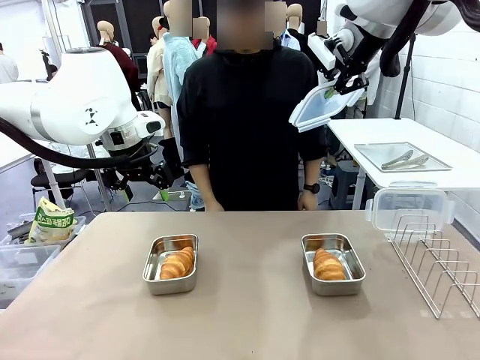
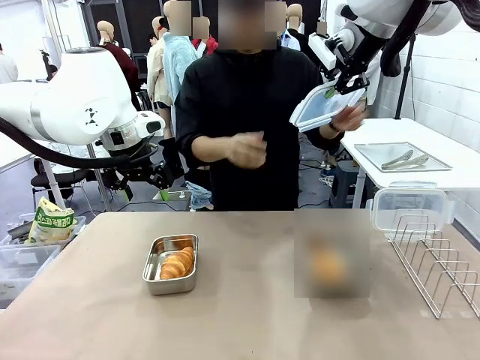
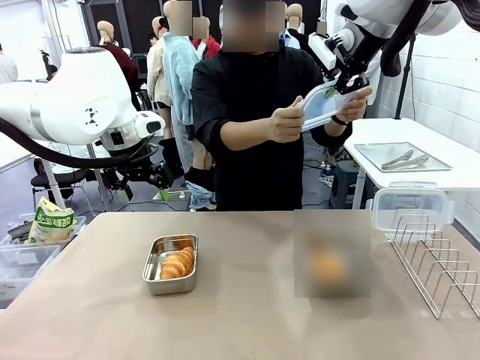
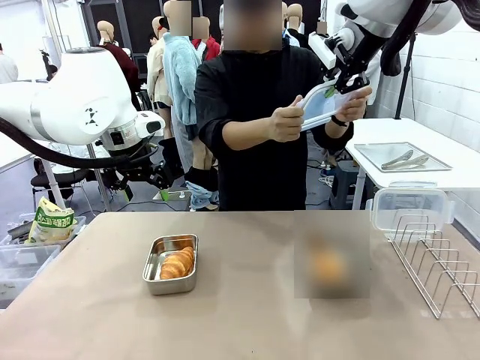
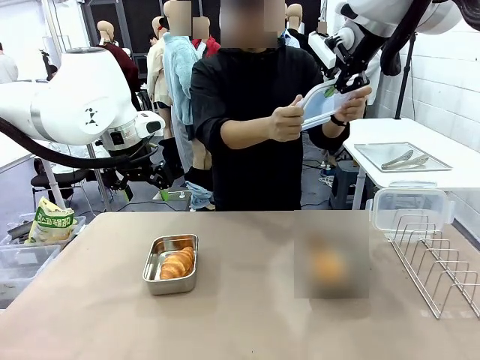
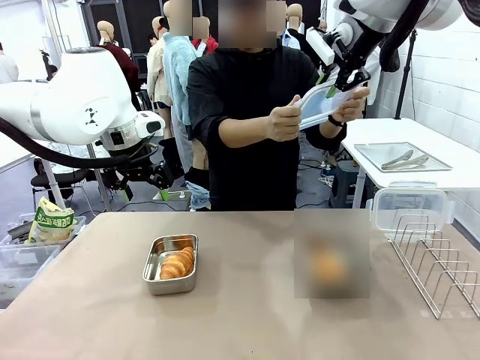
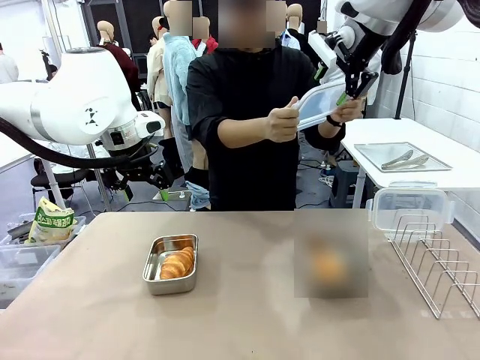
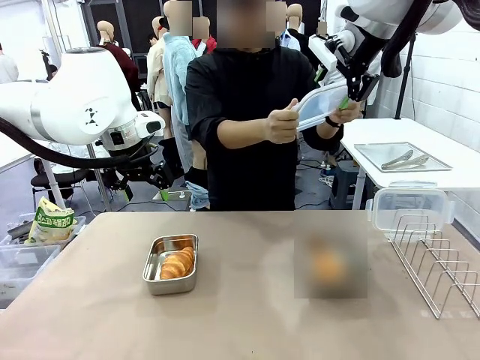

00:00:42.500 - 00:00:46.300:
Task: Place the bread in airtight containers.
Robot: Release when the human grabs the Airtight Container lid.

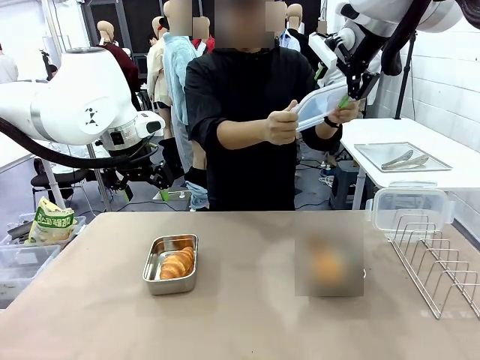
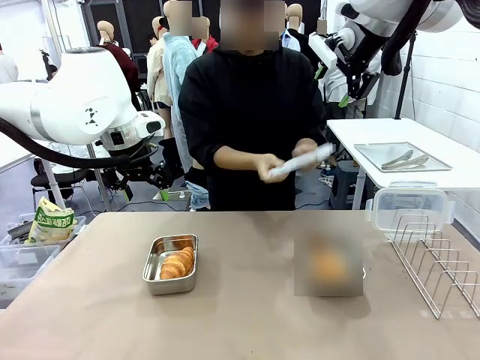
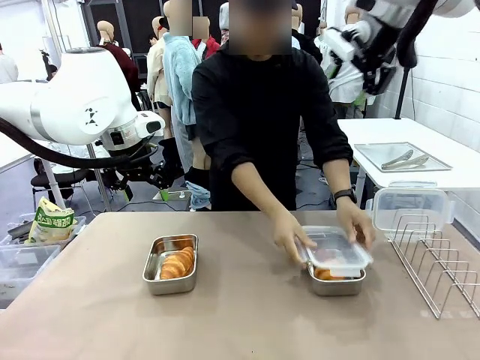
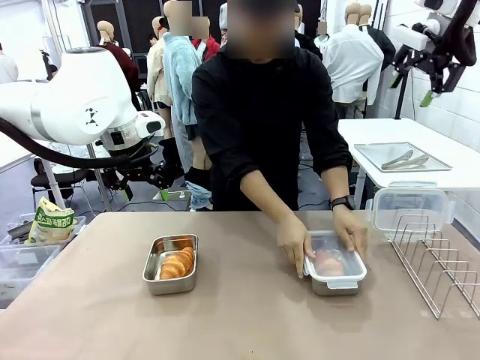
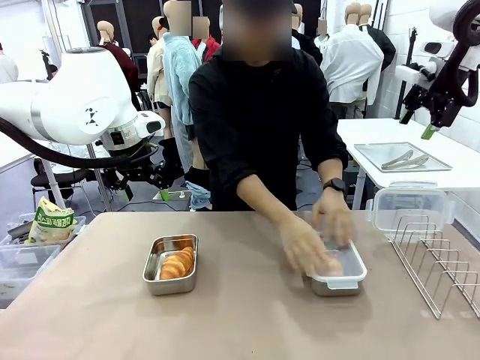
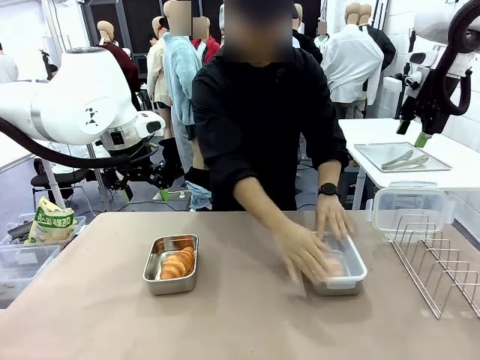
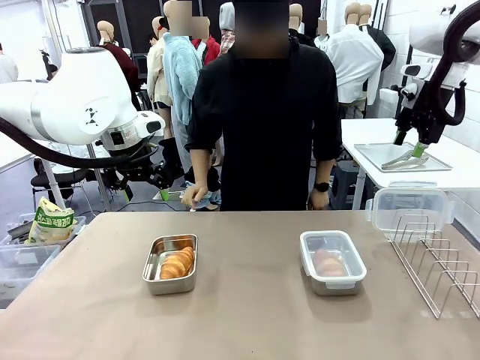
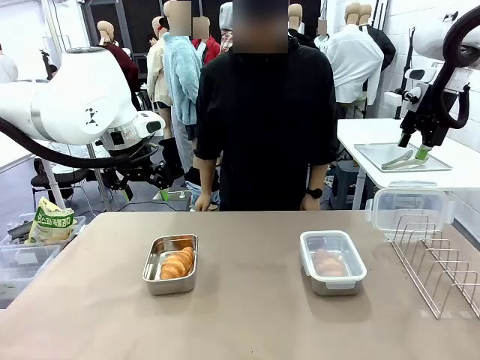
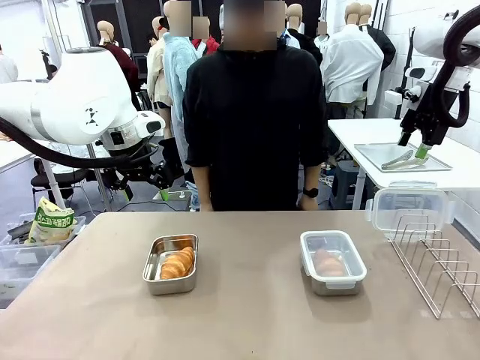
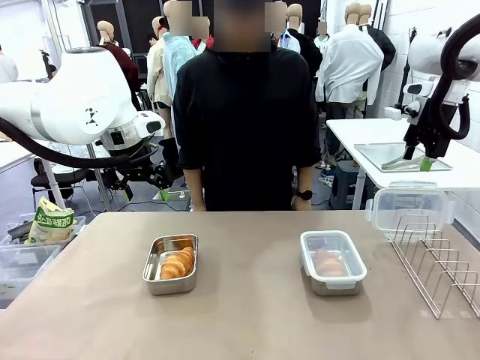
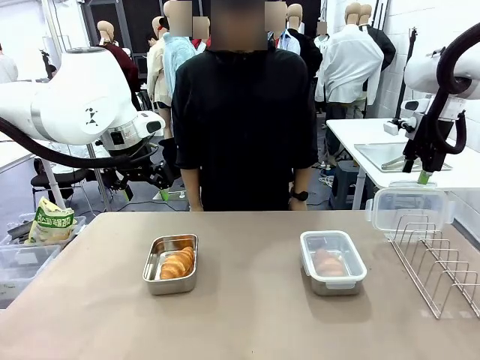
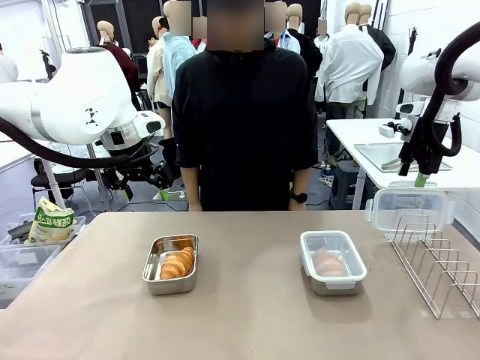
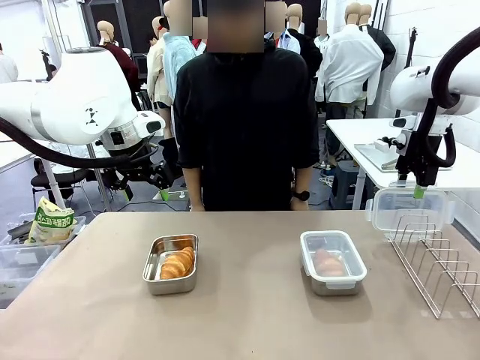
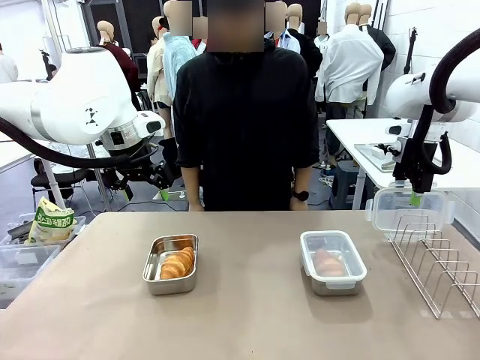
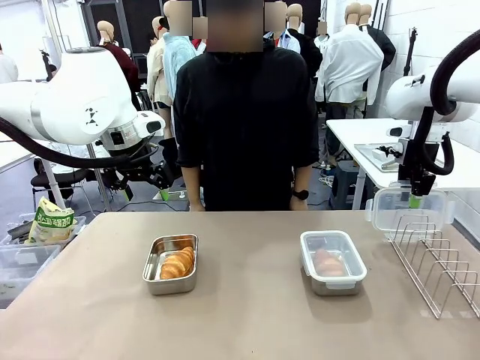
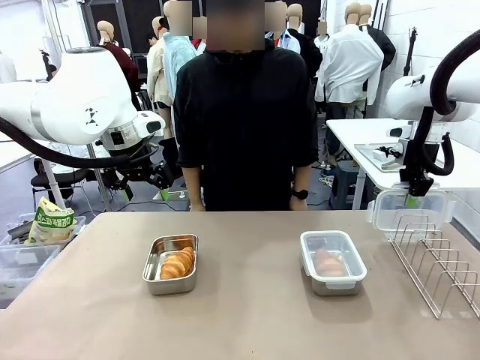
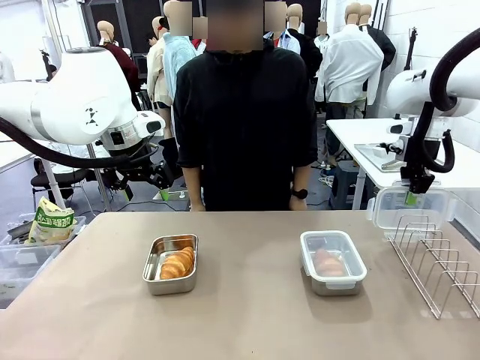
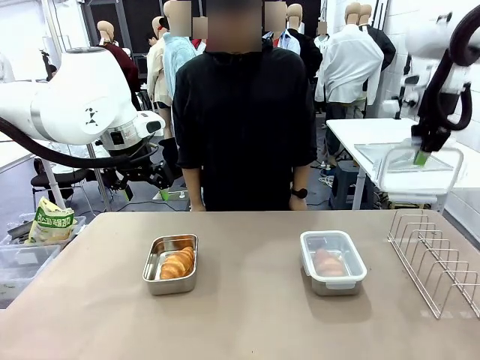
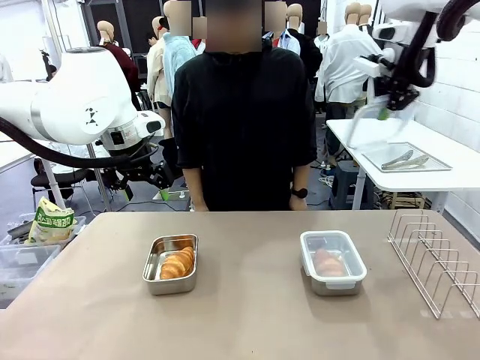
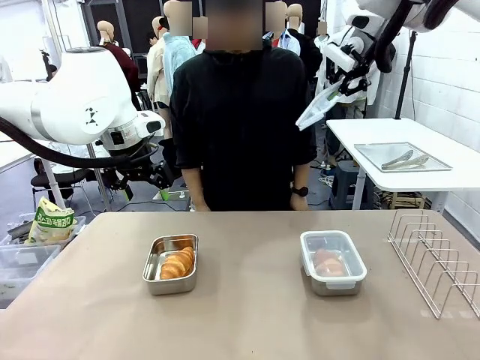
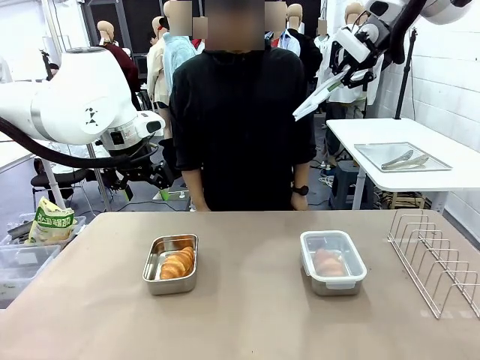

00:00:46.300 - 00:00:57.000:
Robot: Pick up one Airtight Container lid and hand it to the human.
Person: Close Airtight Container with a handed Airtight Container lid. Grip Airtight Container lid that robot is handing.

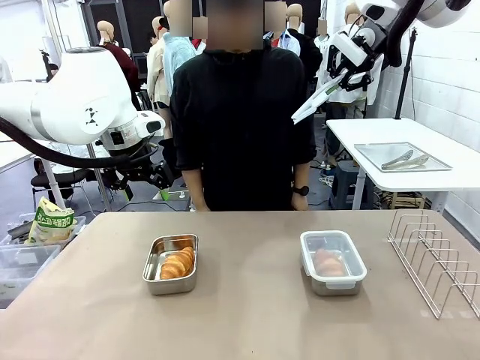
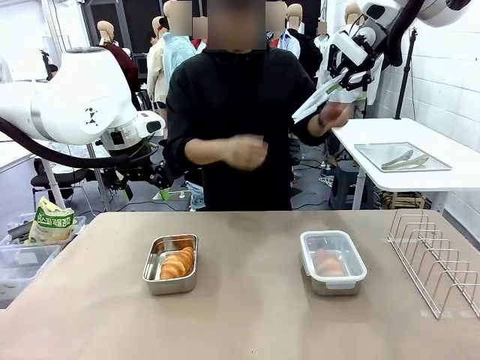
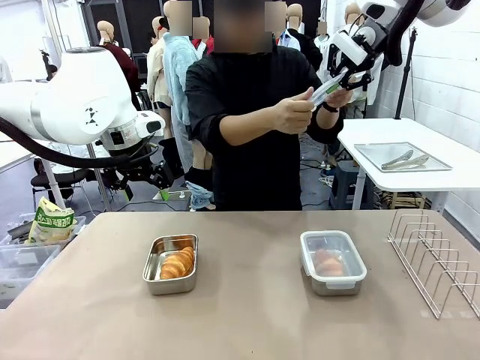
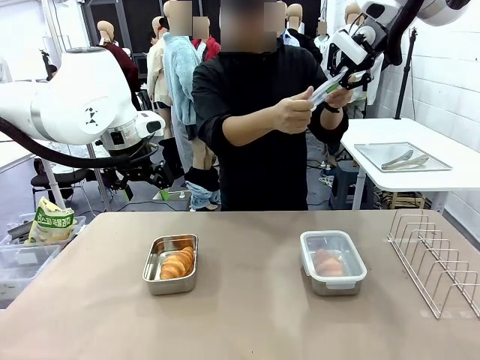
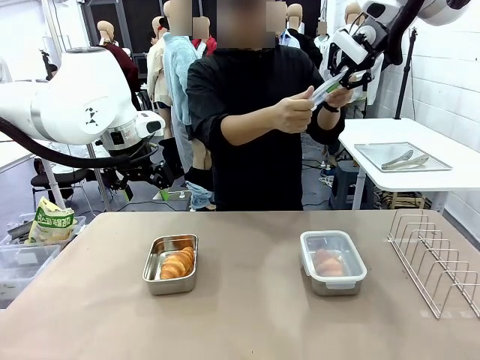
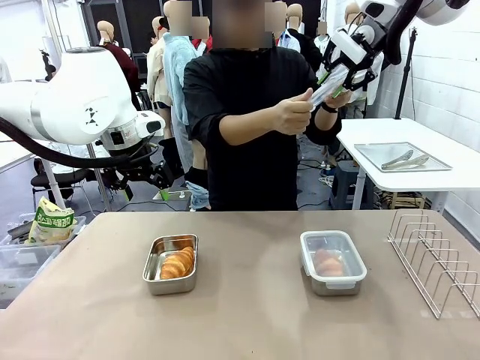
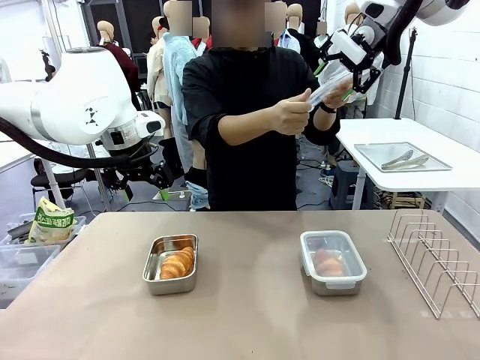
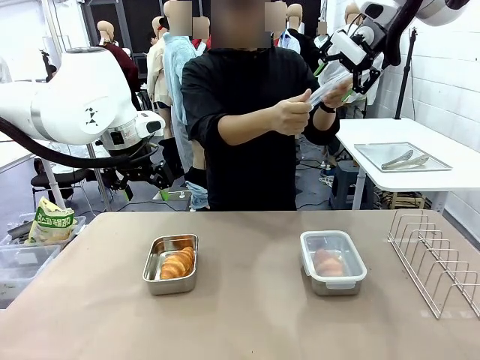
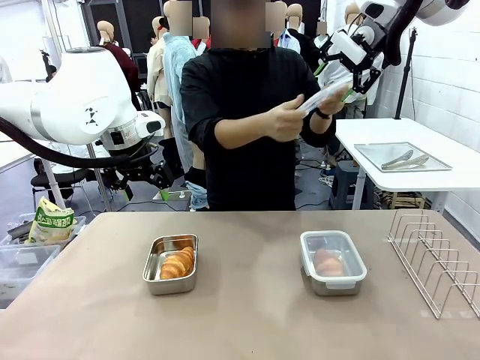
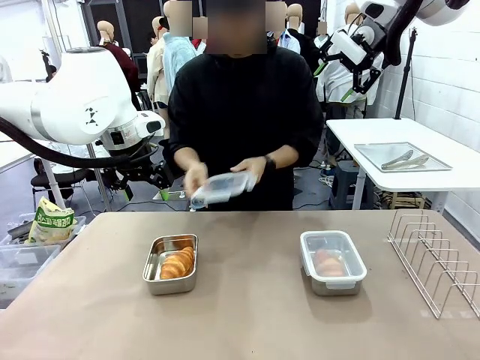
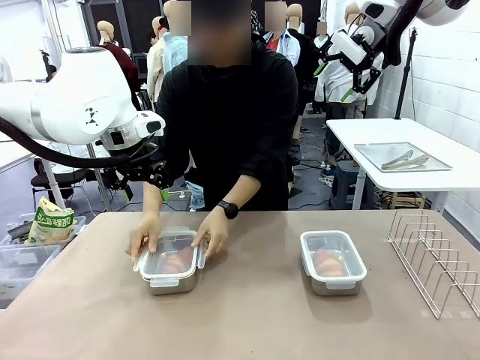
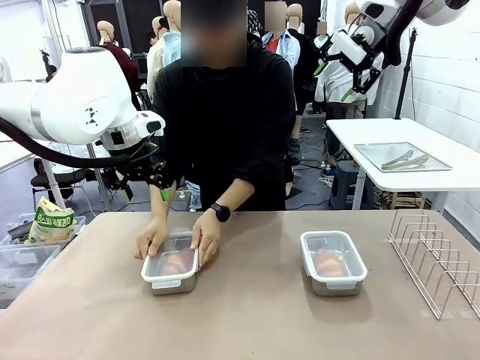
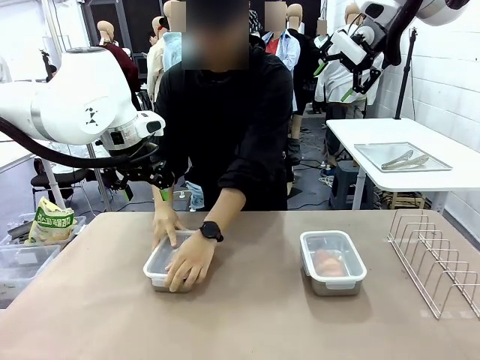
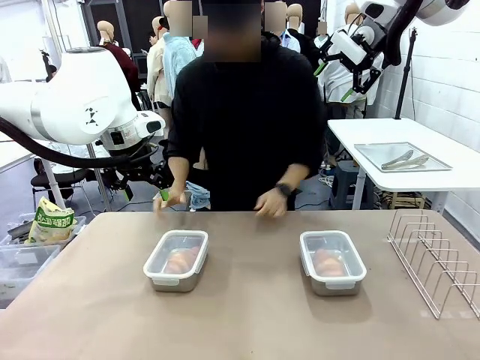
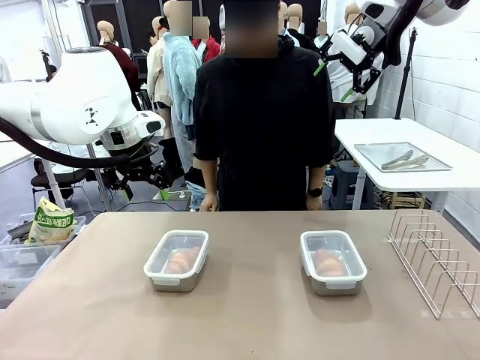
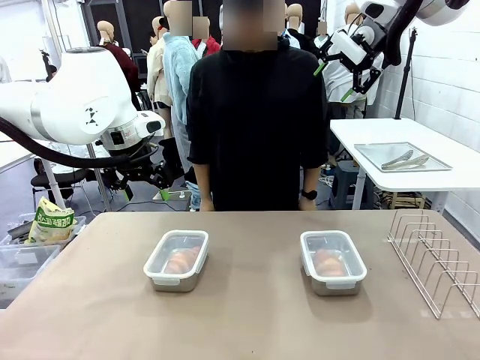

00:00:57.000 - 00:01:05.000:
Robot: Release when the human grabs the Airtight Container lid.
Person: Close Airtight Container with a handed Airtight Container lid.

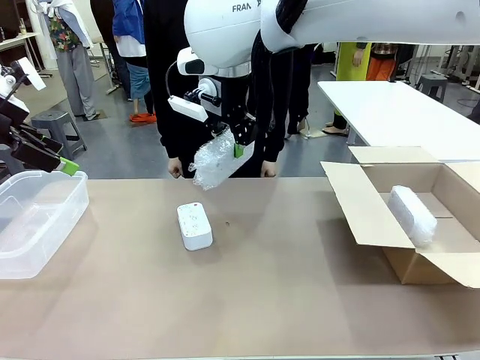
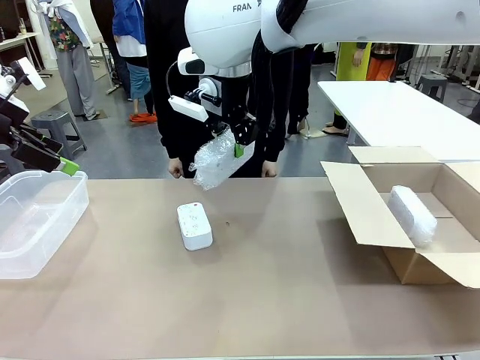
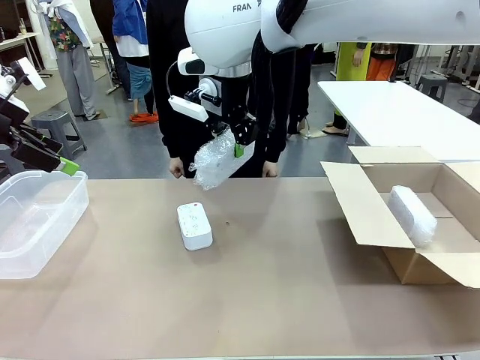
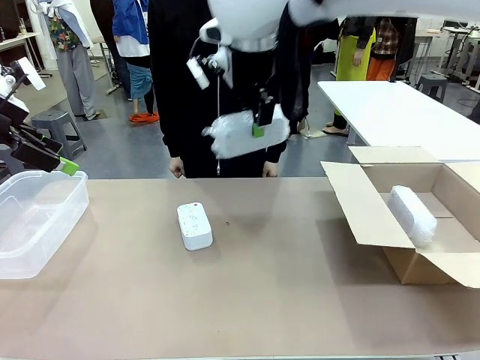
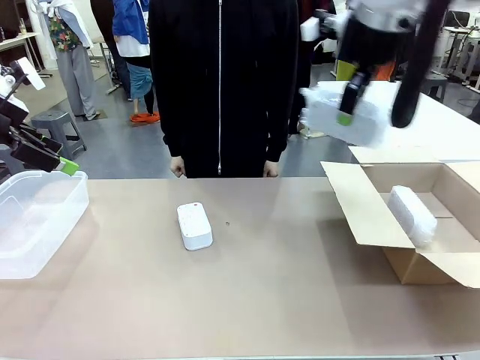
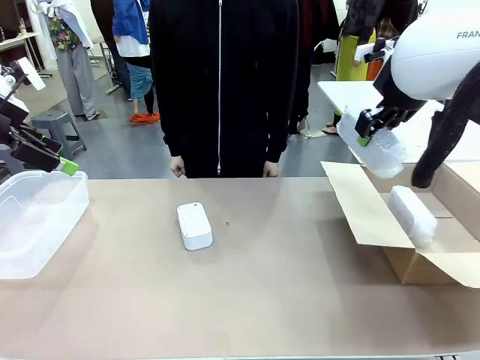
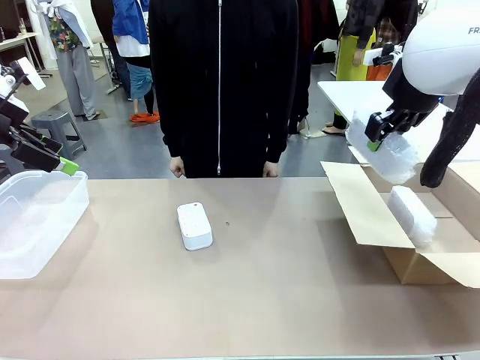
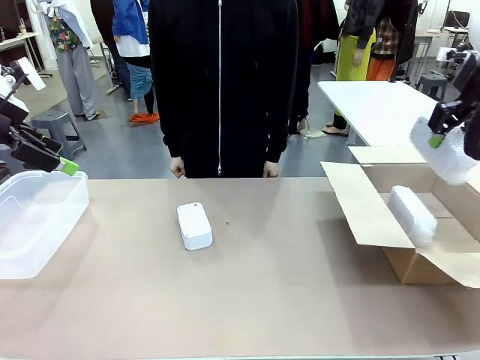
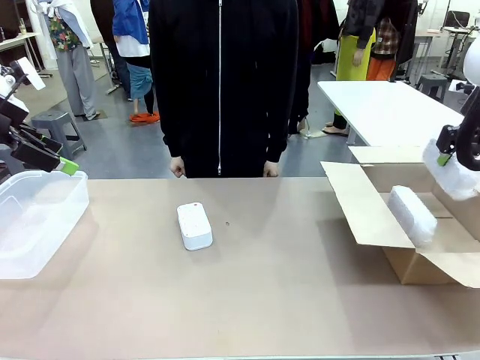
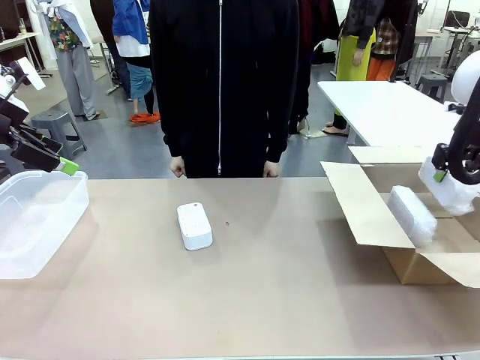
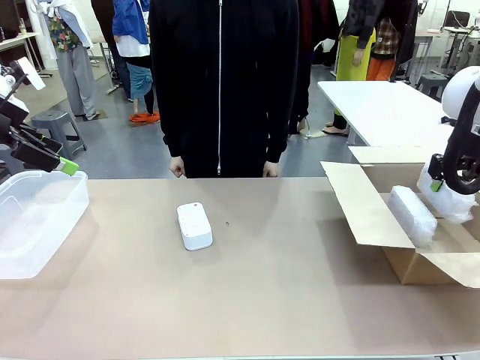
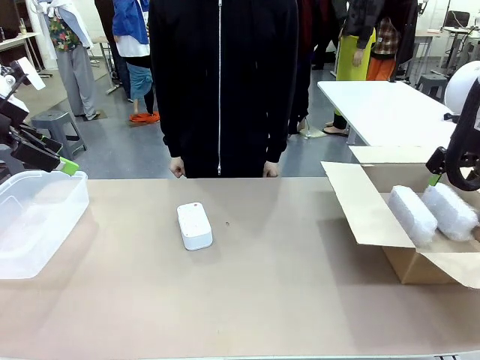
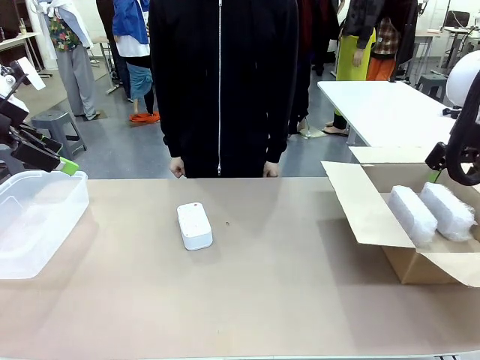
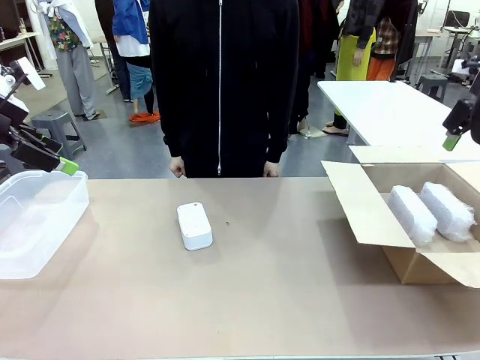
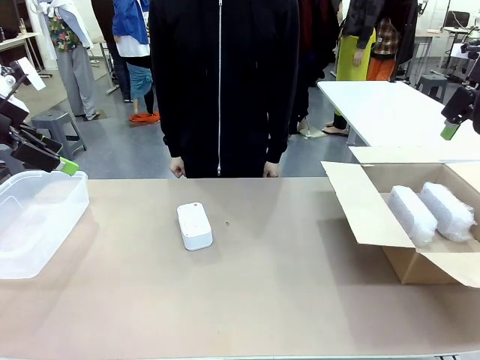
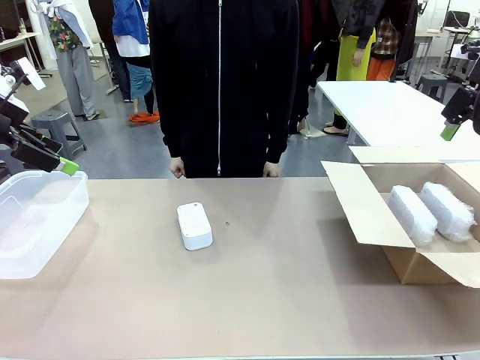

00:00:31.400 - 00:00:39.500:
Task: Separate and place wrapped and unwrapped clocks.
Robot: If the picked Digital clock is wrapped, place it in the Package Box ; if not, place it in the Organizing box.
